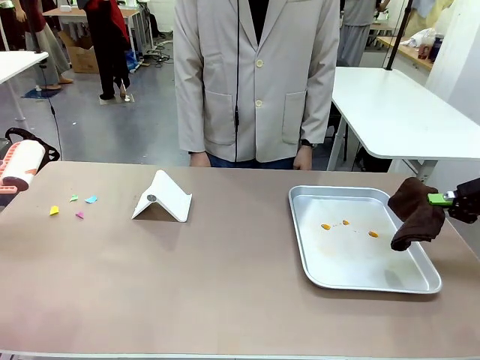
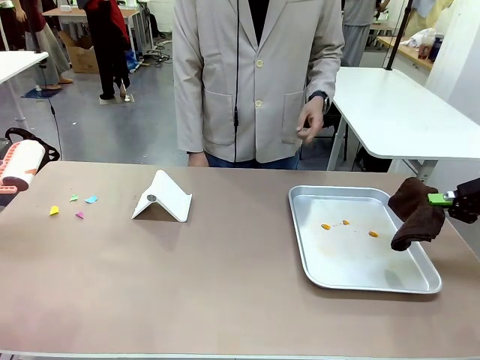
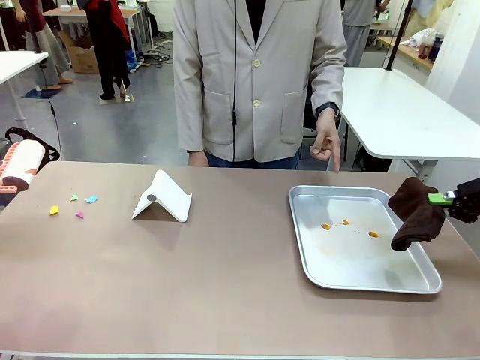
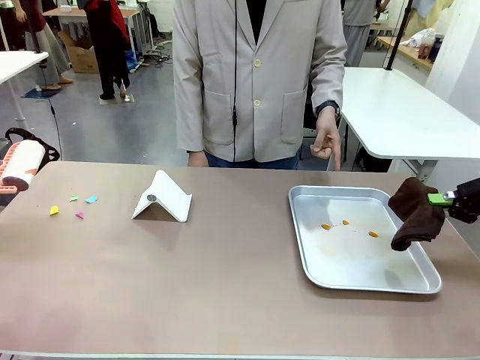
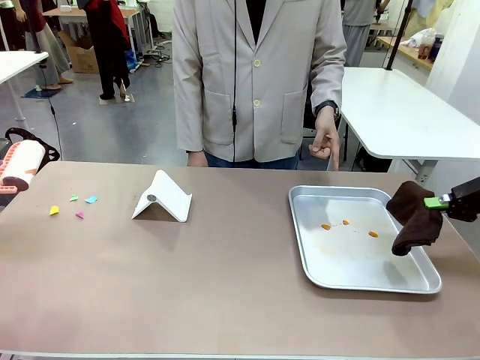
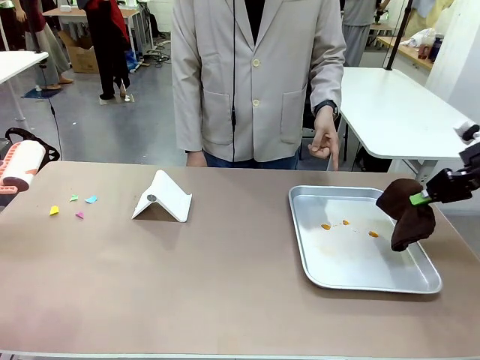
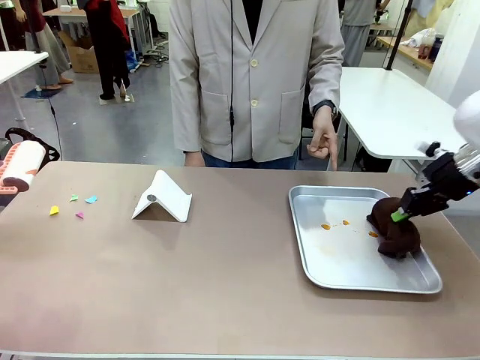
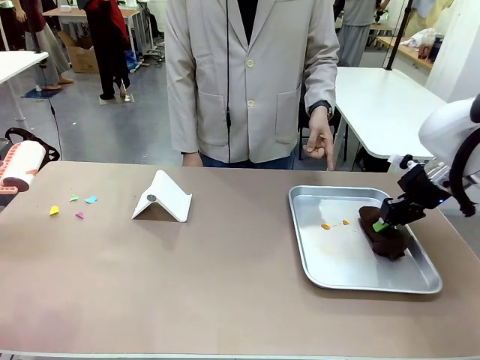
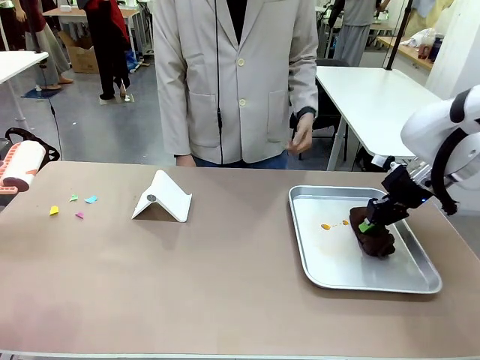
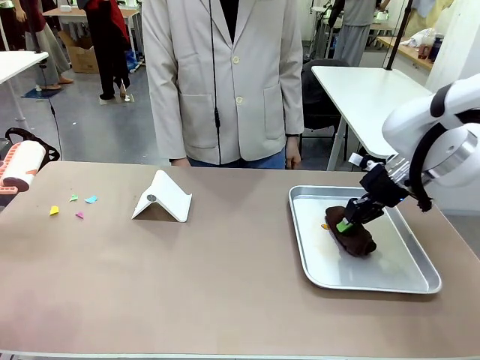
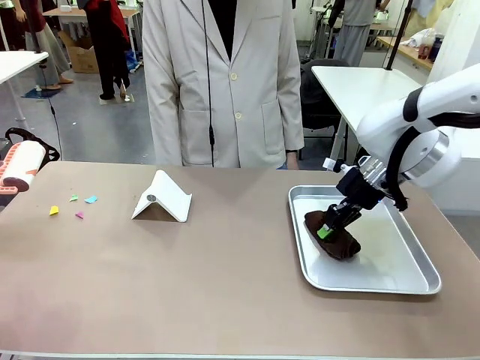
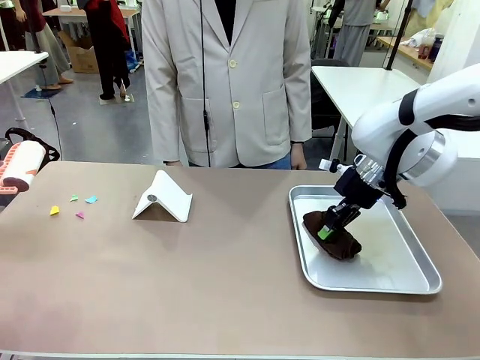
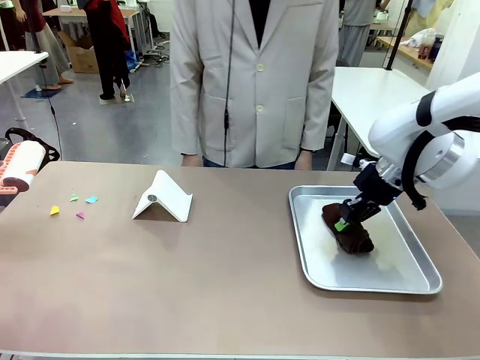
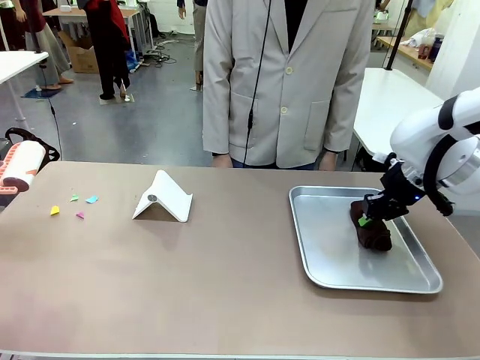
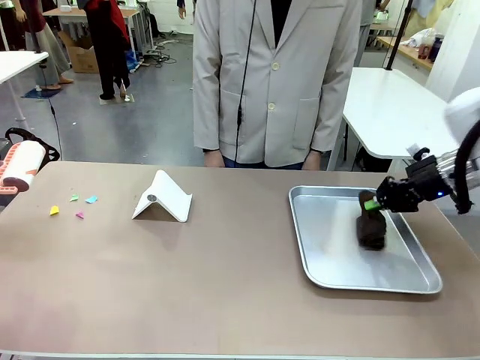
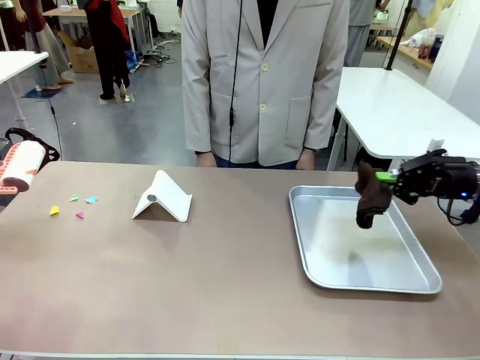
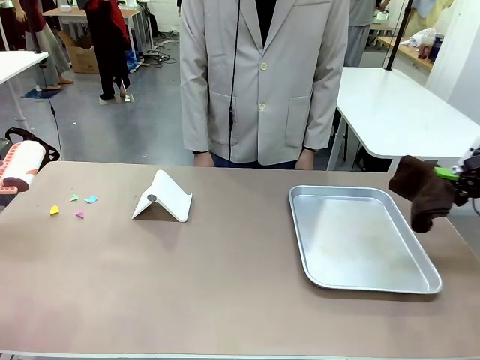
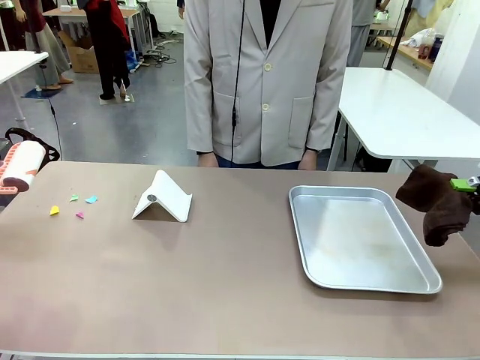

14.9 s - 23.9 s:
Task: Clean the surface of the table.
Robot: If a person points to the right, clean the right side of the table with your right hand, and if they point to the left, clean the left side with your left hand.

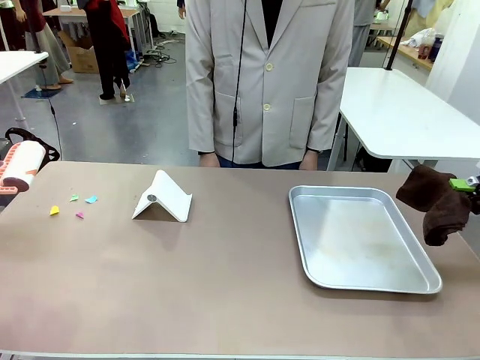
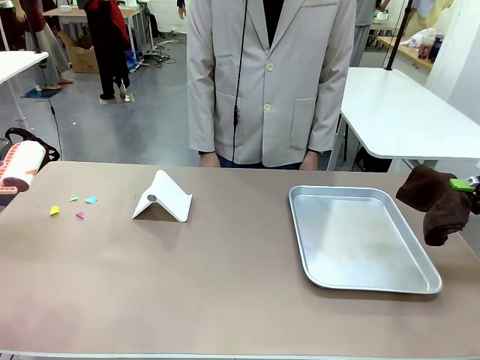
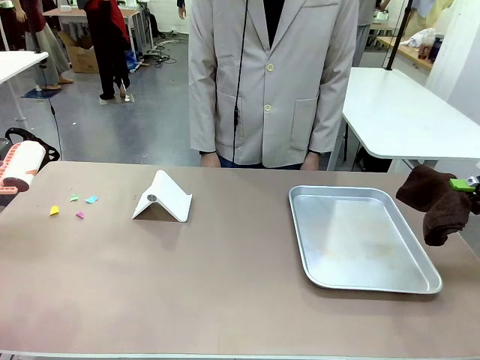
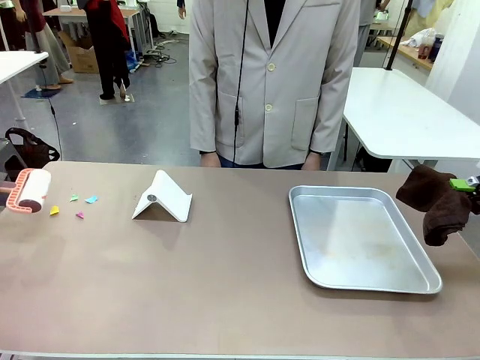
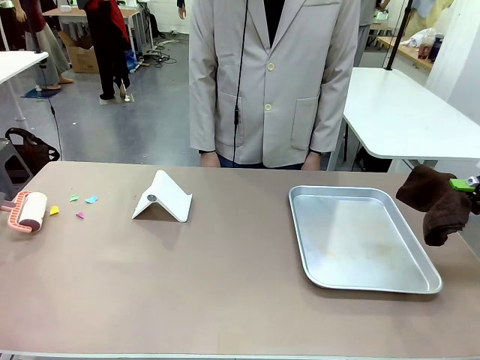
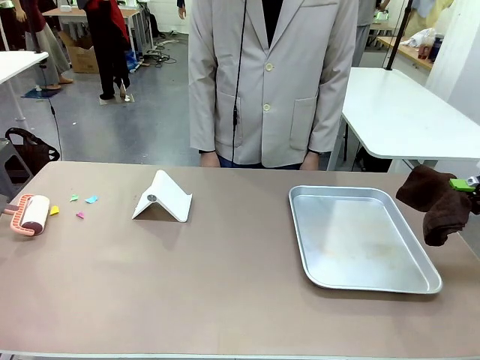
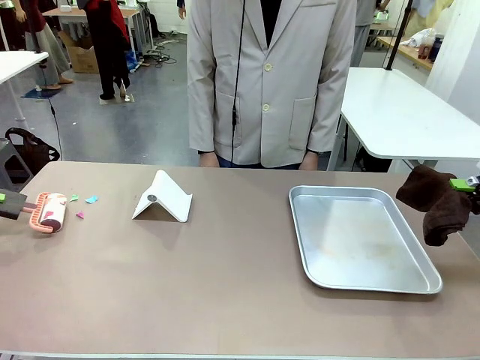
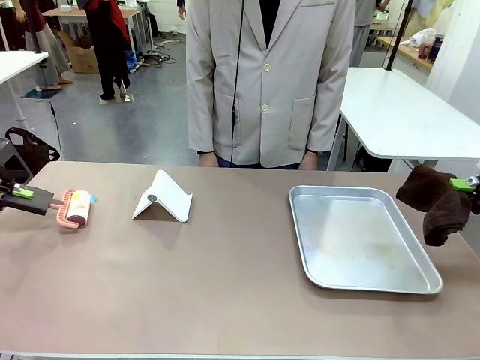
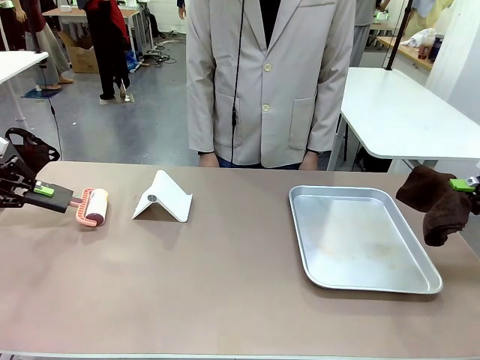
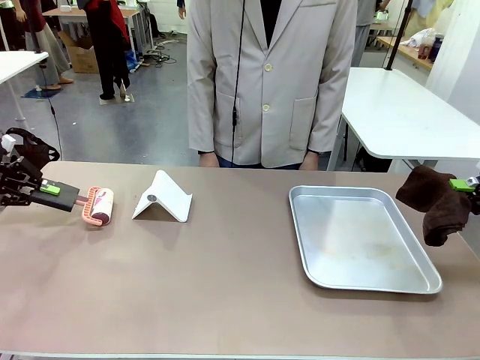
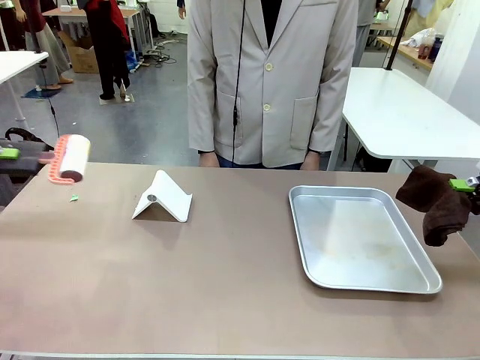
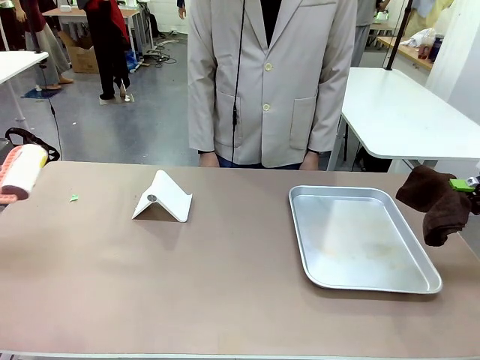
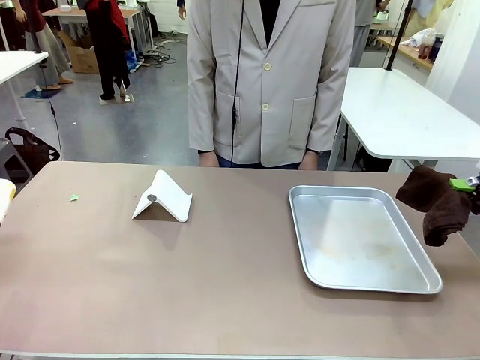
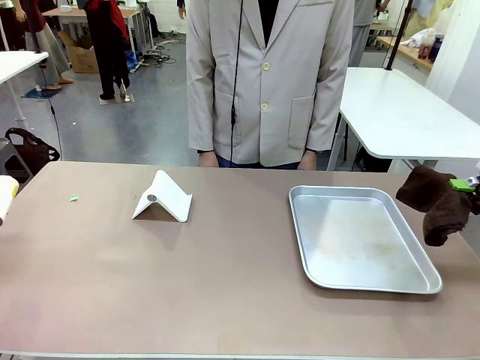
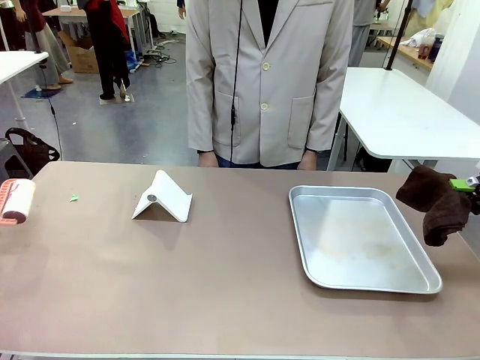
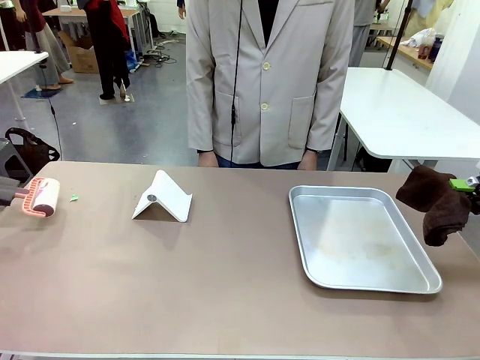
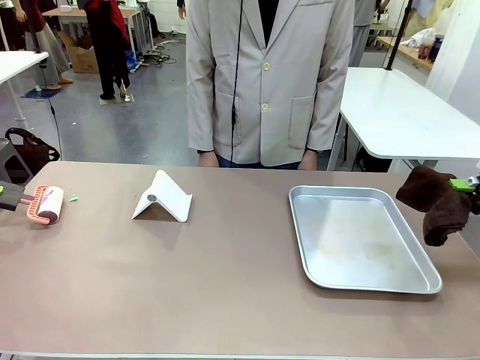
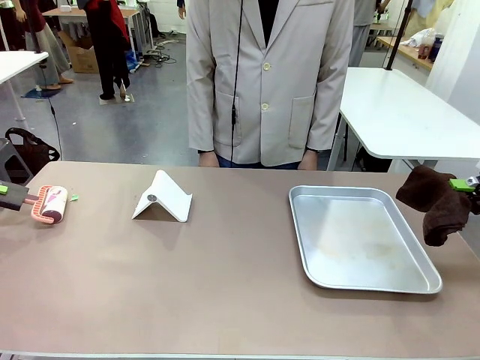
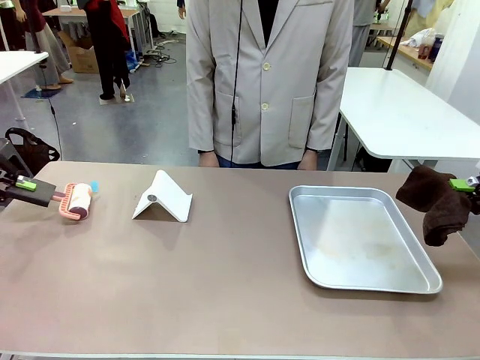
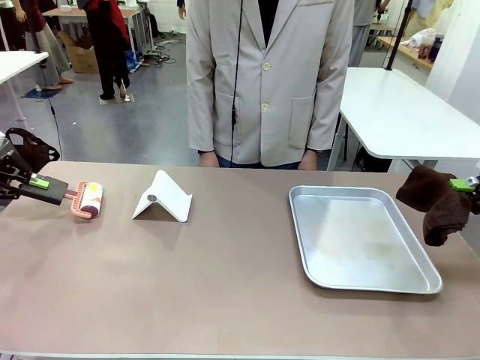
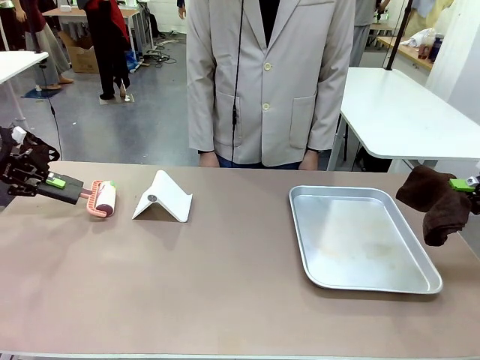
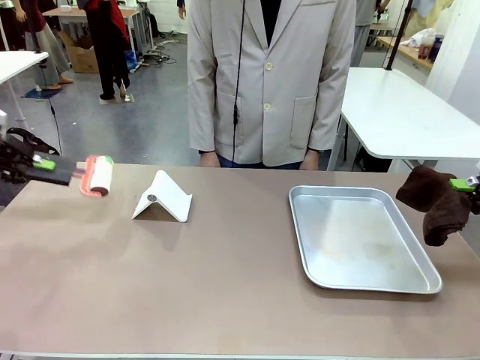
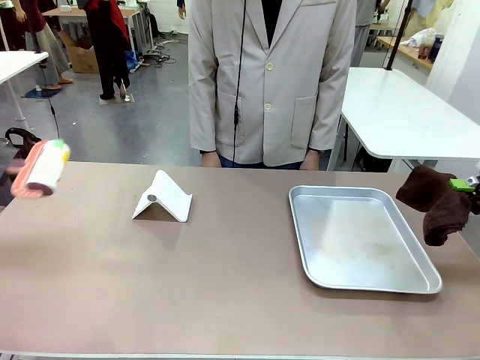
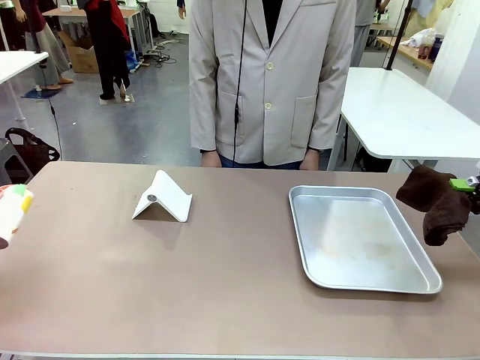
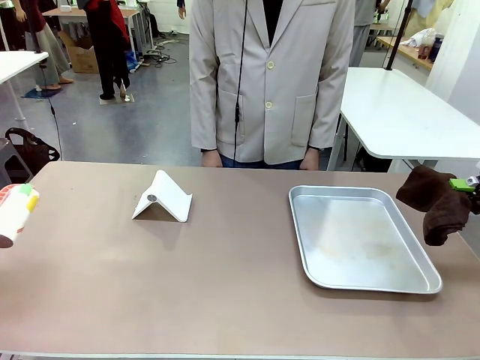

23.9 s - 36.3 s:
Robot: Clean the area not pointed to by the person.

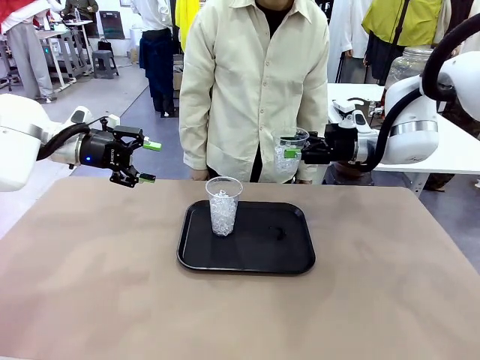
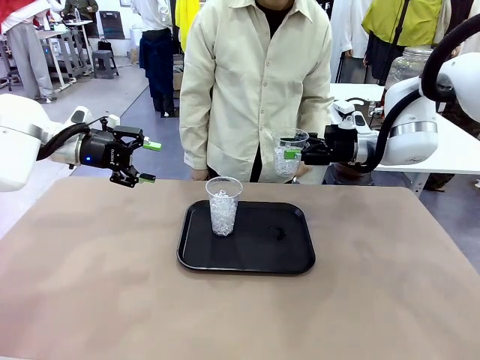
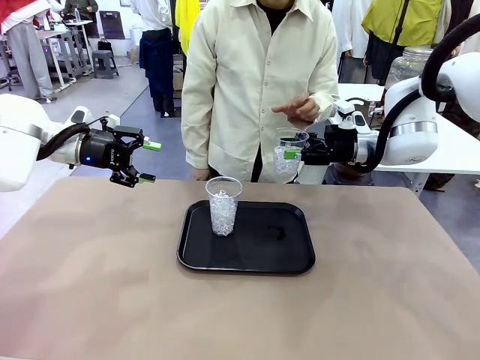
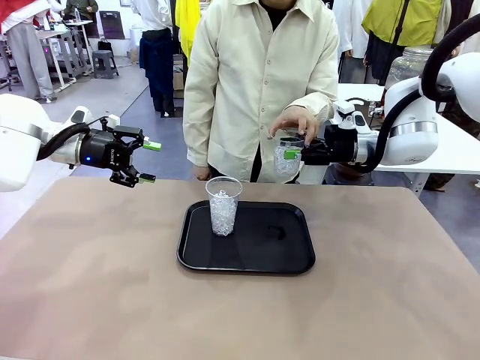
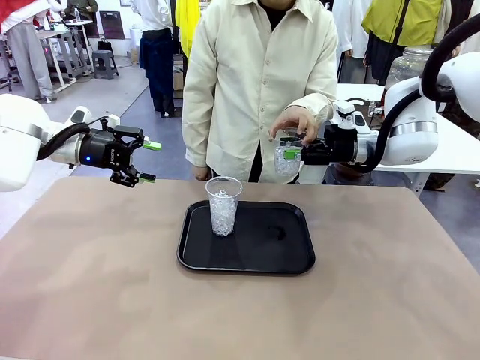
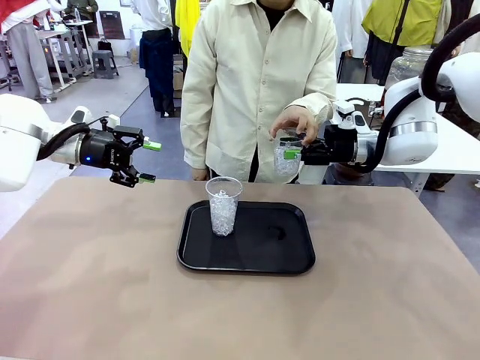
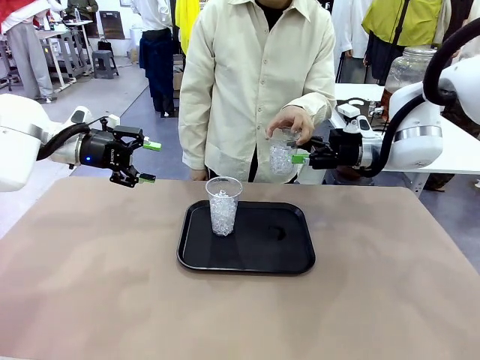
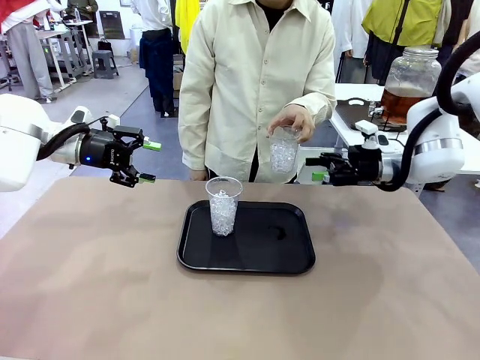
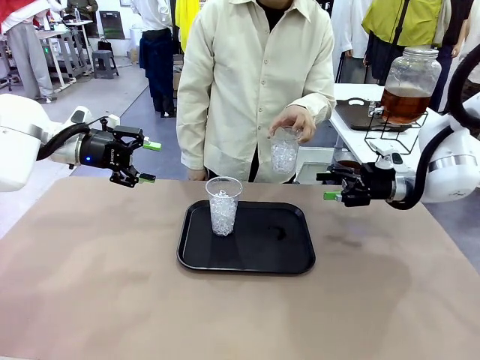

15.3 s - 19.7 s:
Task: Pour the drink into the iced cup.
Robot: Open the gripper to release the iced cup you were holding.
